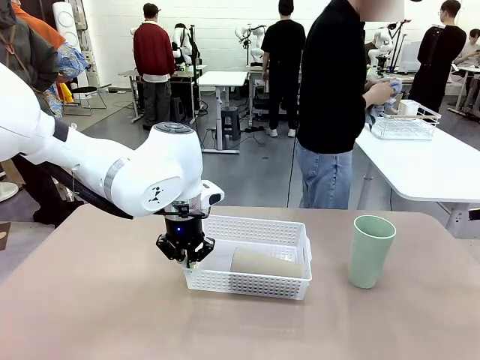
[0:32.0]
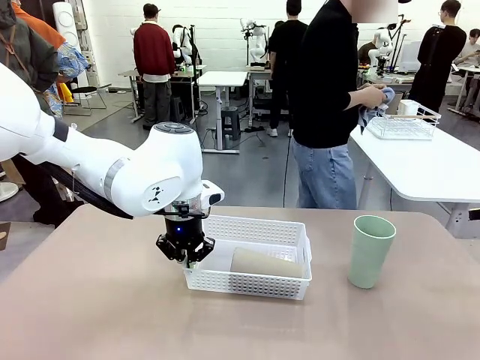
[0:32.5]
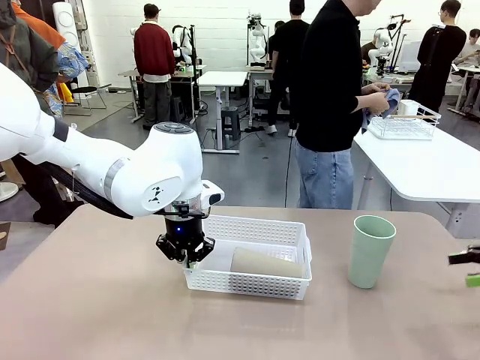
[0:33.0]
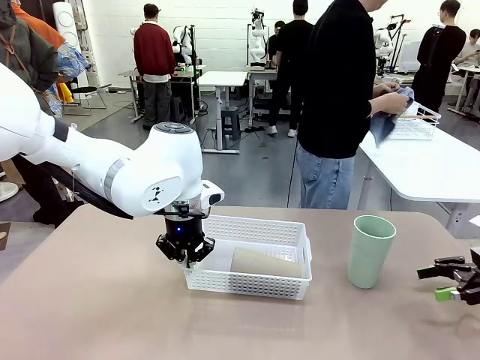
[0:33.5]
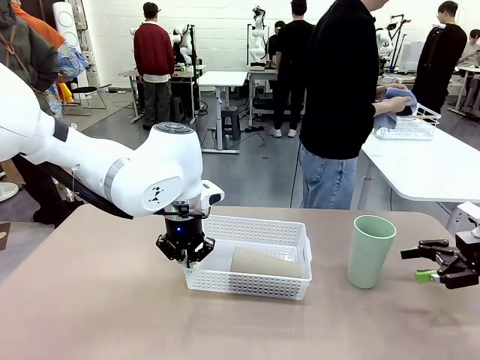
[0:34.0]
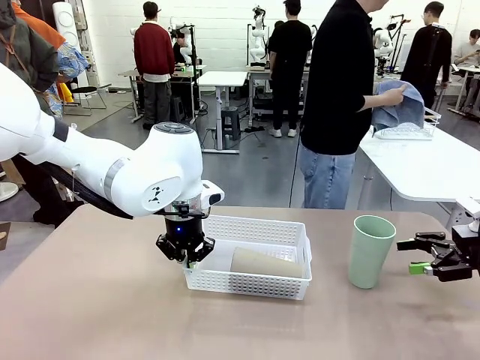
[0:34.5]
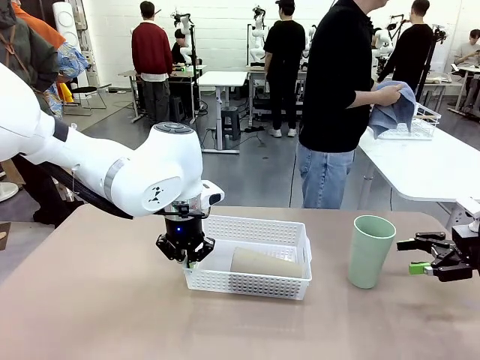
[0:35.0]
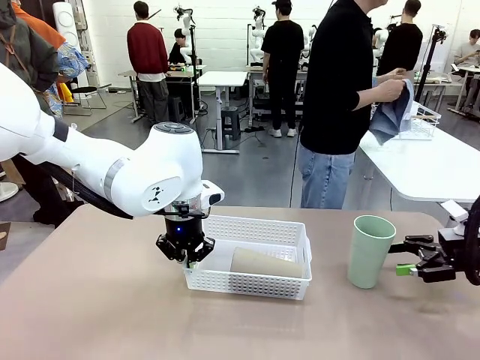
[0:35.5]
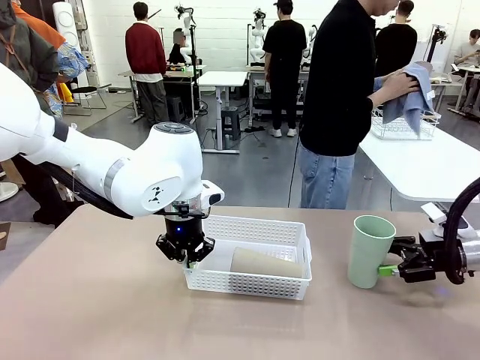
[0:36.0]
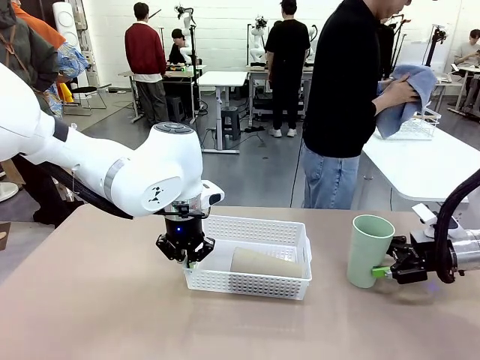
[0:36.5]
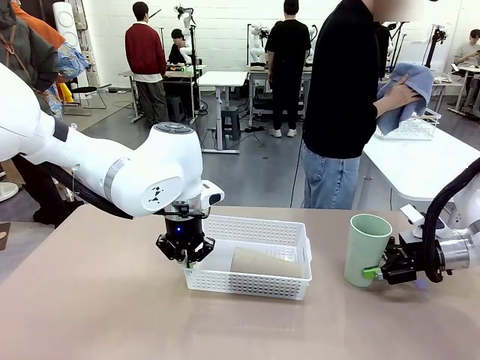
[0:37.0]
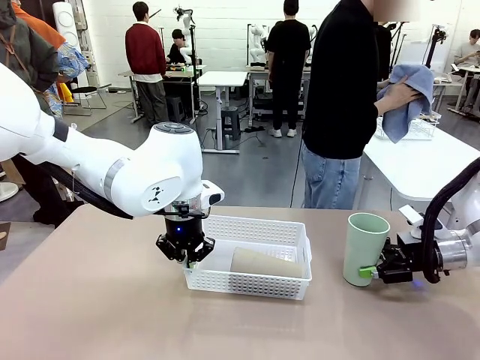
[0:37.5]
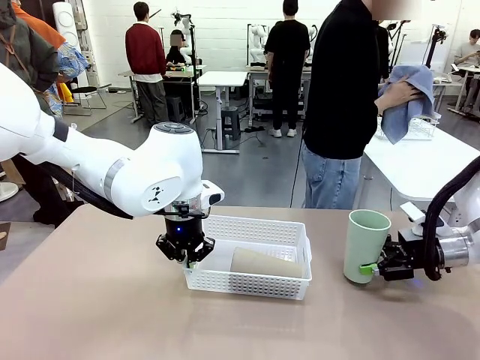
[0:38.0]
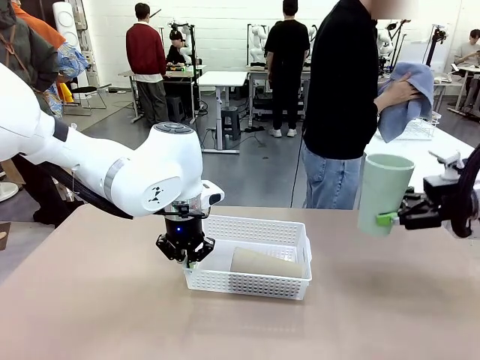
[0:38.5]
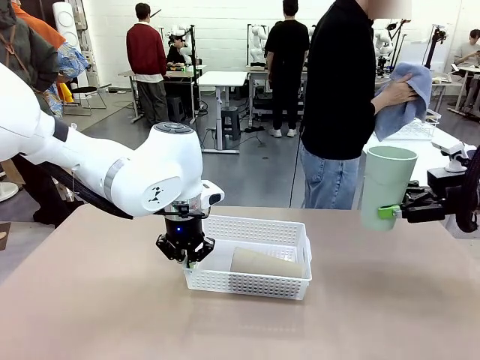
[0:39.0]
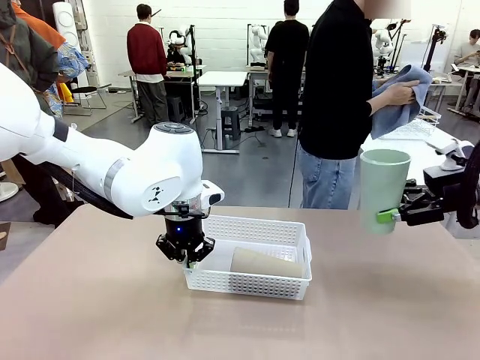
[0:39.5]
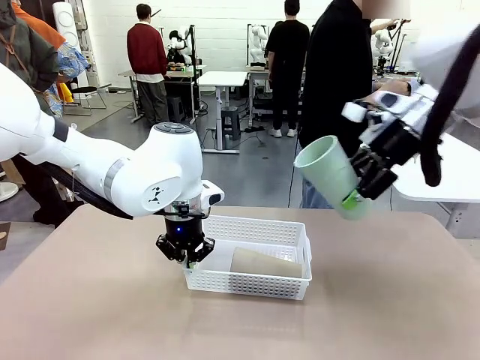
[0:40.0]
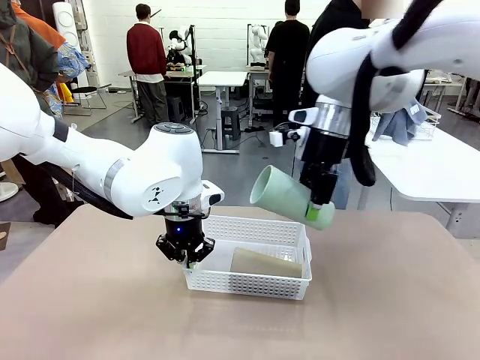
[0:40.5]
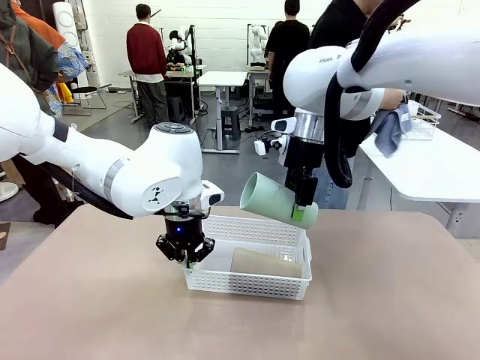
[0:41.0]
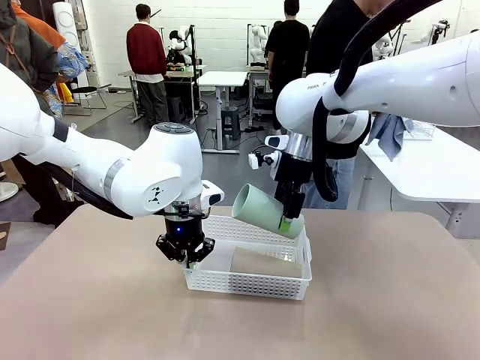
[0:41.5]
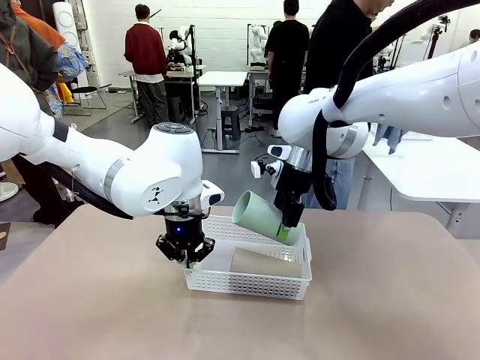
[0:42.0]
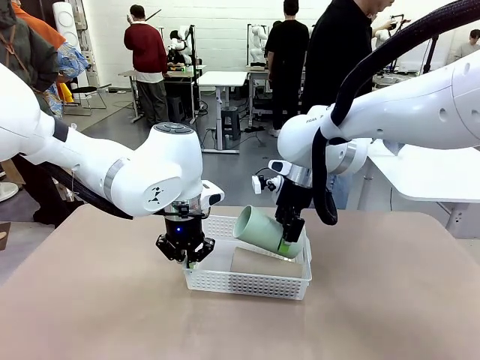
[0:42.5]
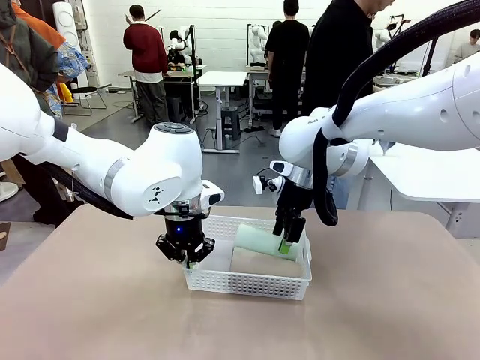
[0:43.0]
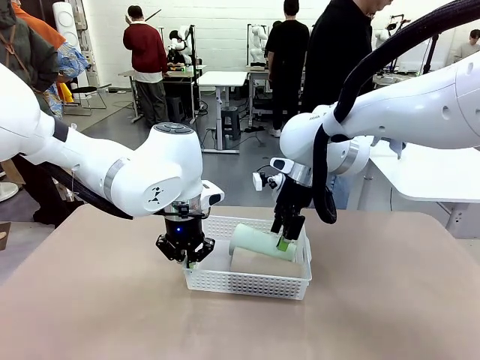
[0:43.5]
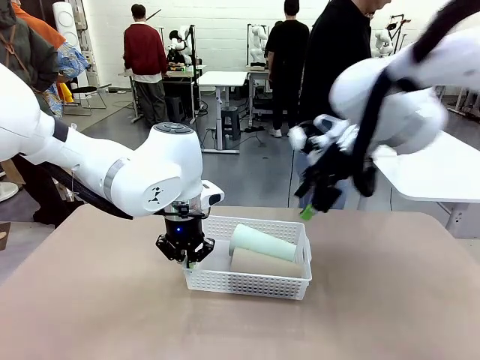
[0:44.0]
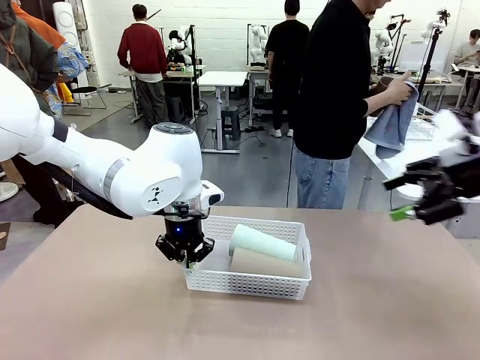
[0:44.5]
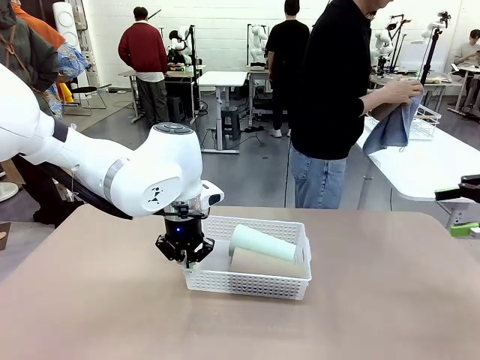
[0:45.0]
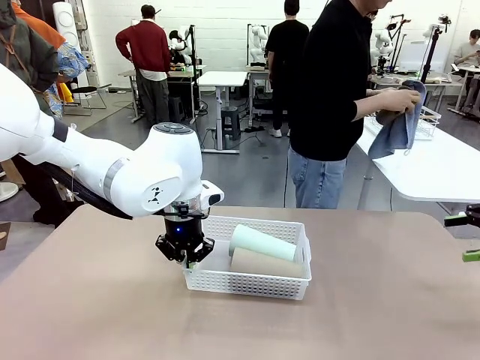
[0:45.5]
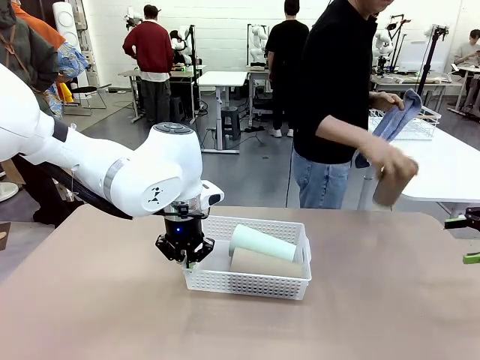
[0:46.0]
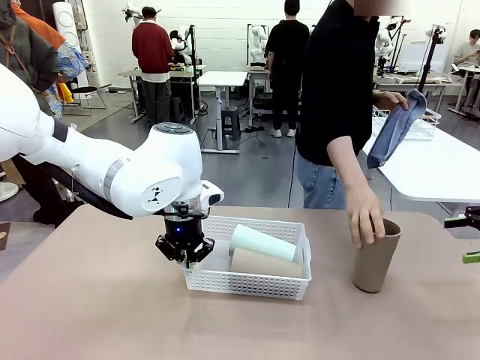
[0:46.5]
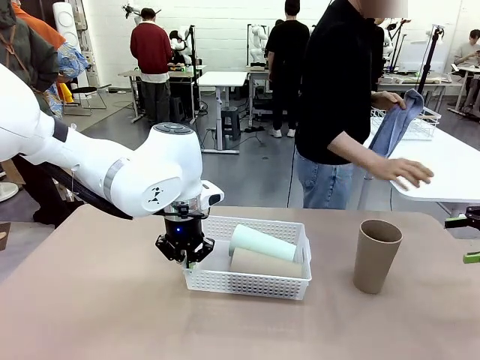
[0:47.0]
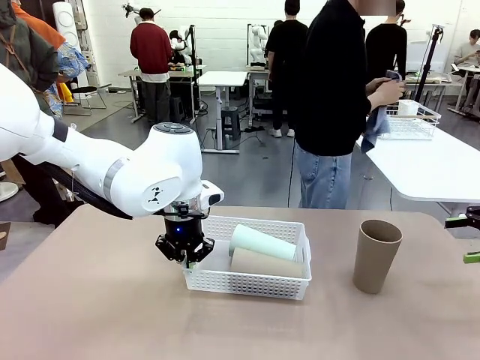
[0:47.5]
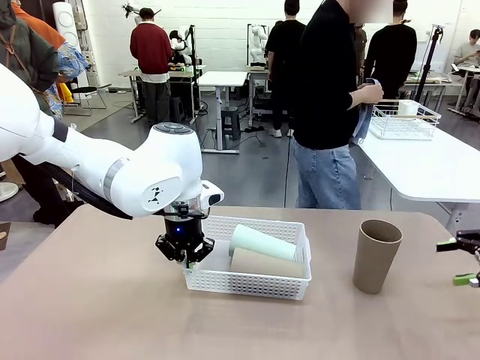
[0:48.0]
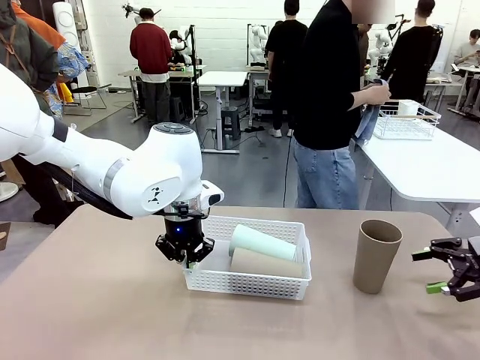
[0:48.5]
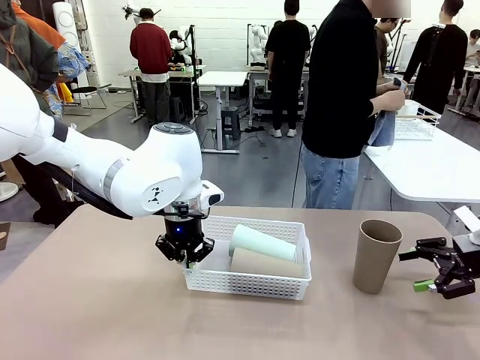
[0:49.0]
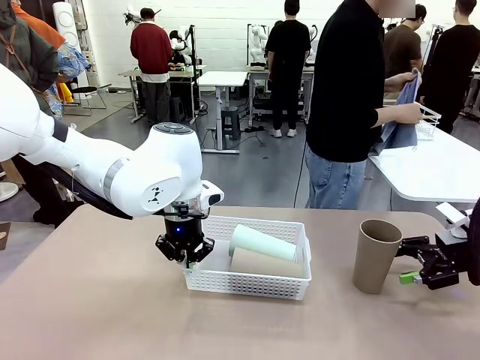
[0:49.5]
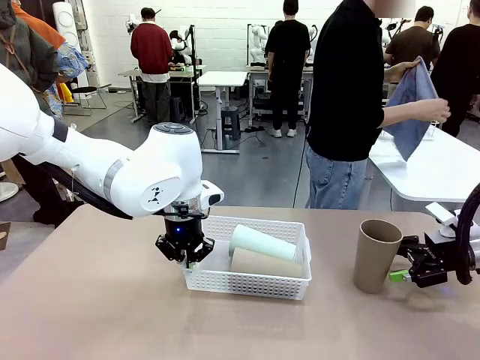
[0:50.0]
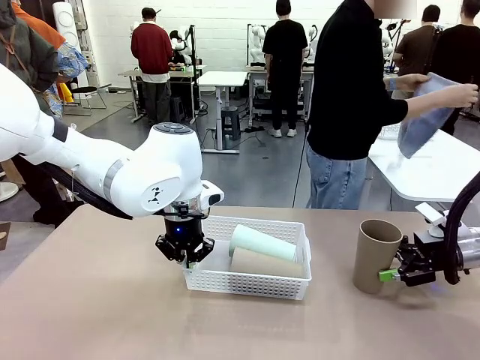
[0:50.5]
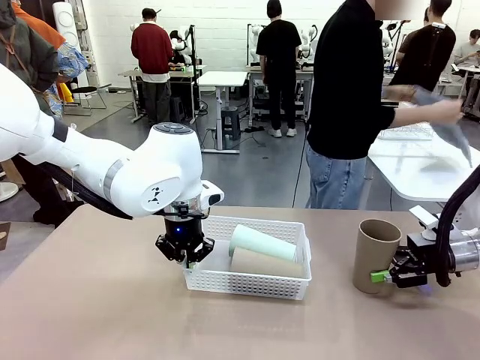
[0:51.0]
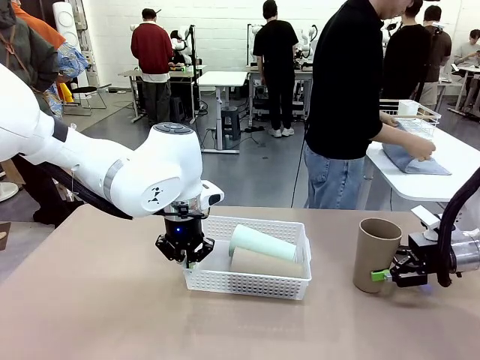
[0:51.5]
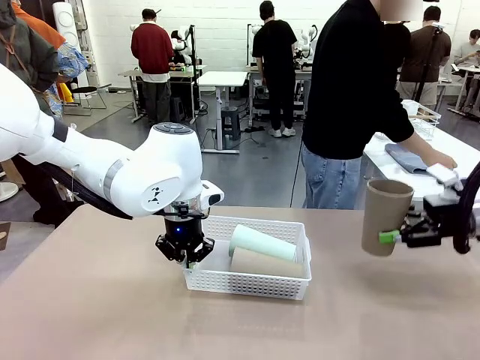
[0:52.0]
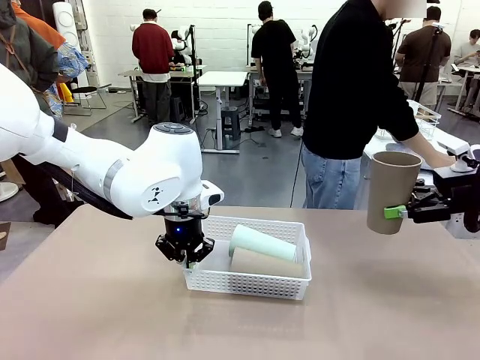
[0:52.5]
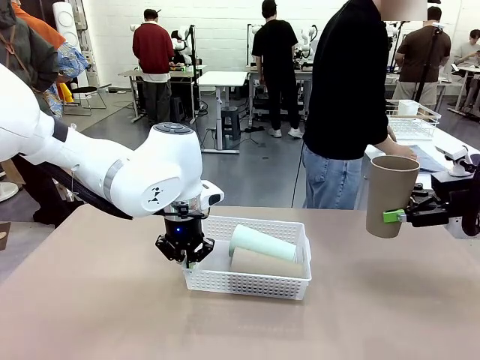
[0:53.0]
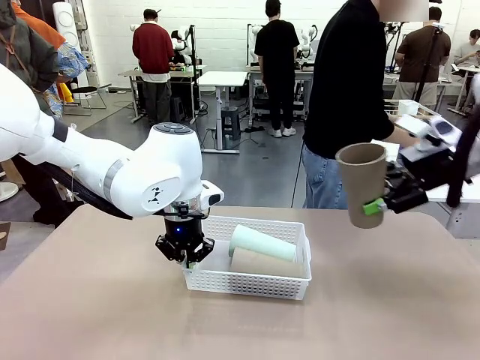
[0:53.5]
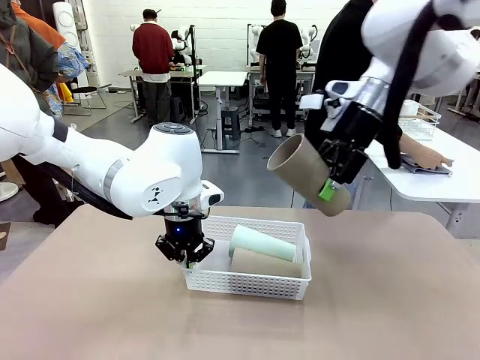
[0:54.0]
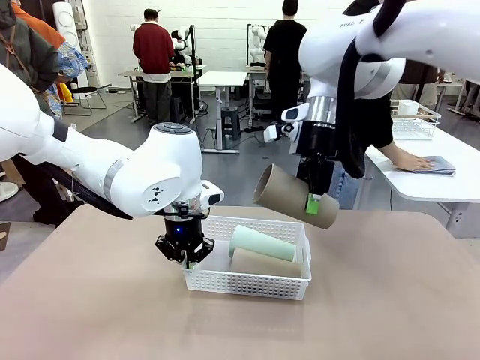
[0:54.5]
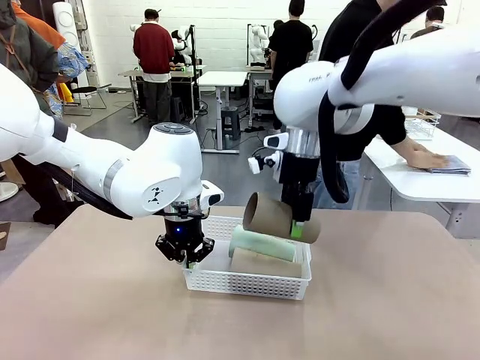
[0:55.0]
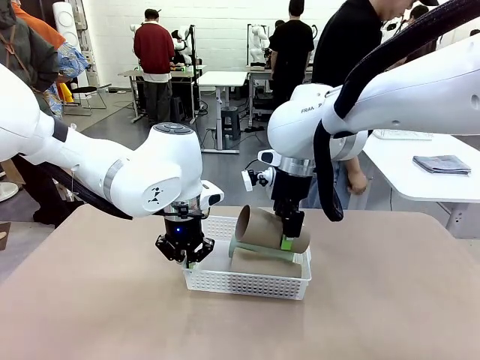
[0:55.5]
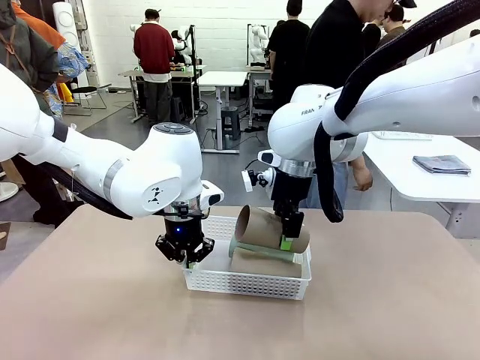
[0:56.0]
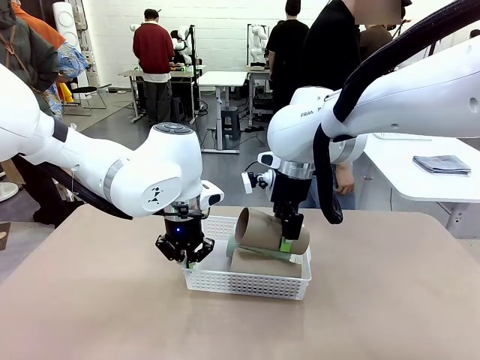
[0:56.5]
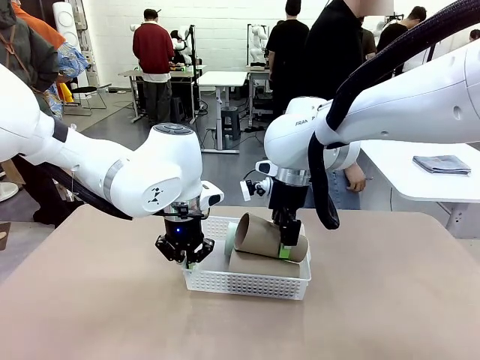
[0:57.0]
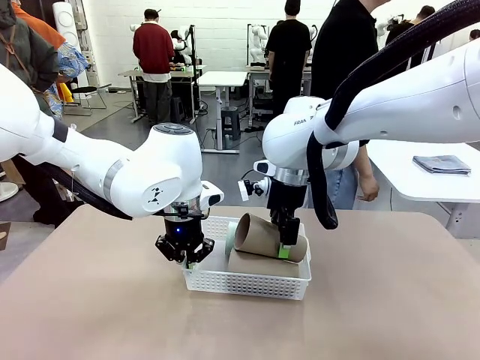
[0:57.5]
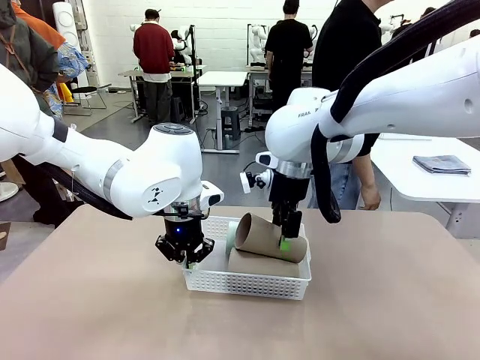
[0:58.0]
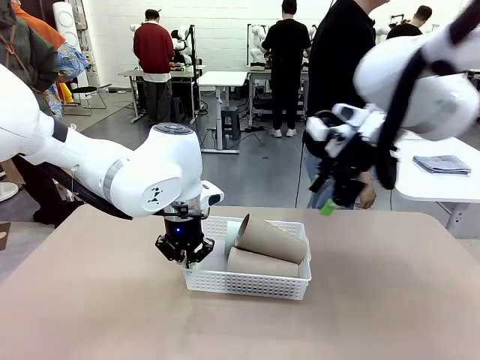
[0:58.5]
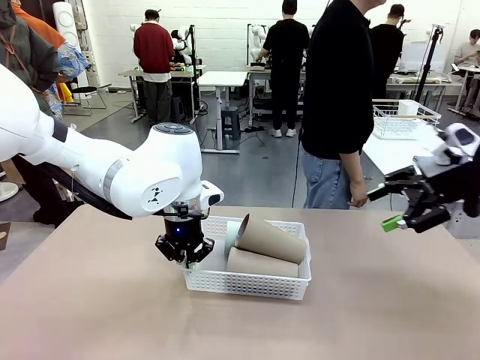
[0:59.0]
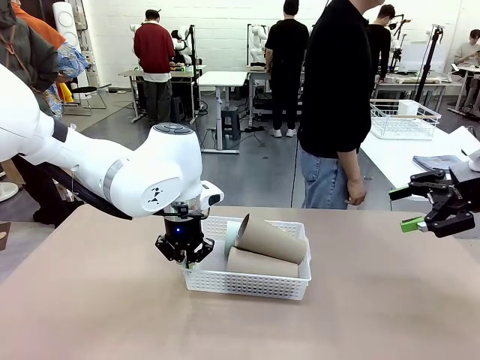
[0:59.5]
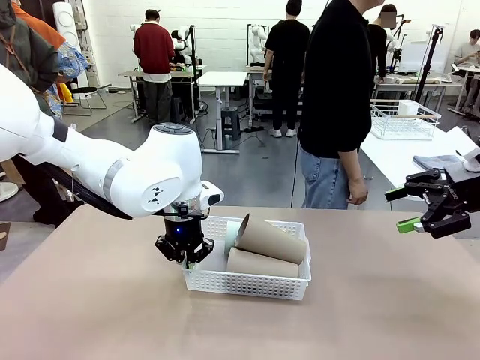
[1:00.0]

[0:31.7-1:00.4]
Task: Clean and organize the cups into the basket.
Robot: Pick up the Reusable plastic cup from the right side of the table and stack it inside the Organizing basket in the center of the table.
Person: Folds the towel in half twice and places it in the right of the table.
